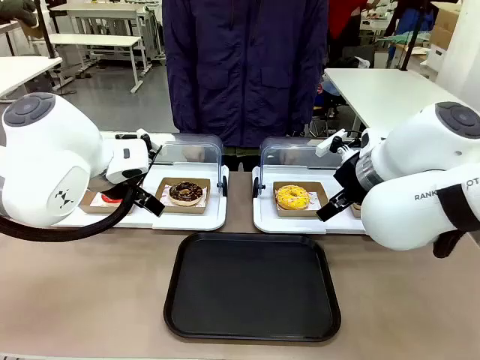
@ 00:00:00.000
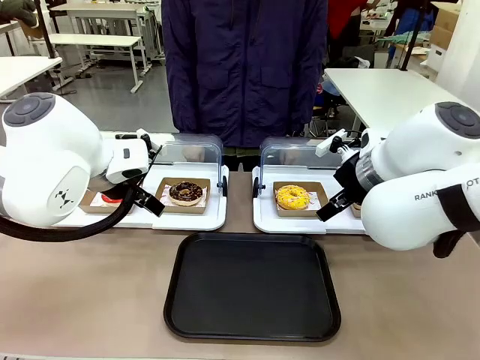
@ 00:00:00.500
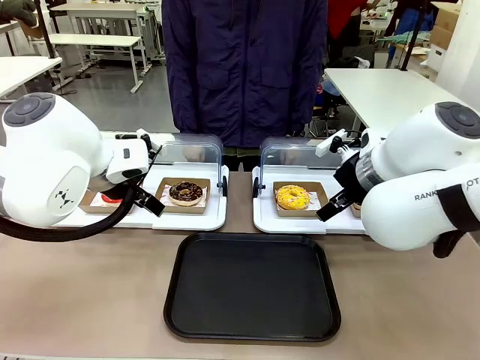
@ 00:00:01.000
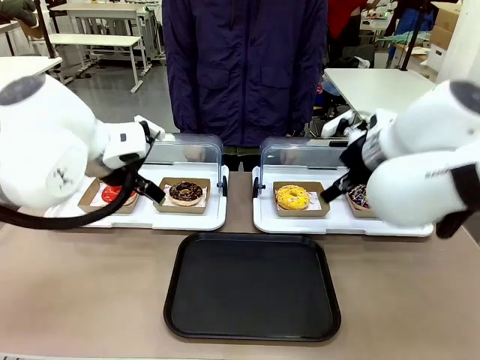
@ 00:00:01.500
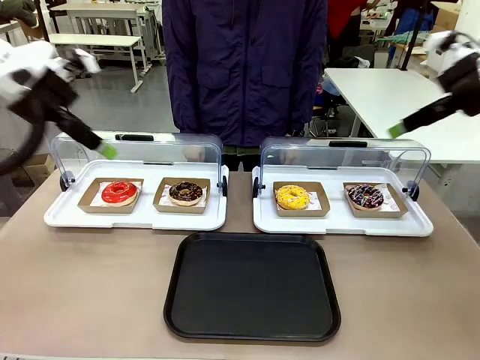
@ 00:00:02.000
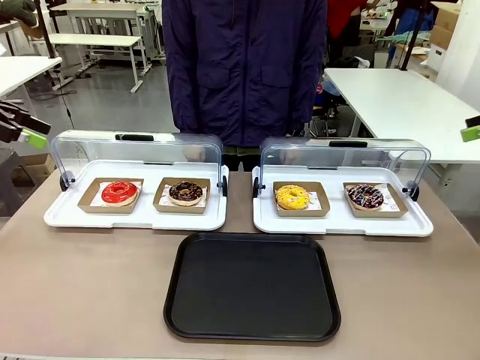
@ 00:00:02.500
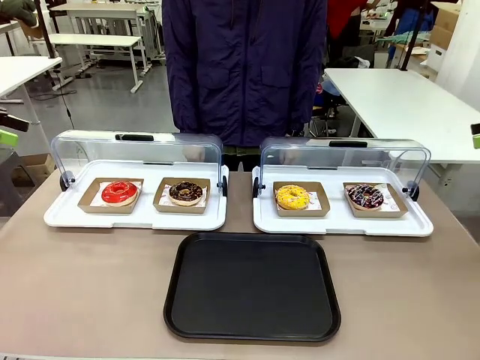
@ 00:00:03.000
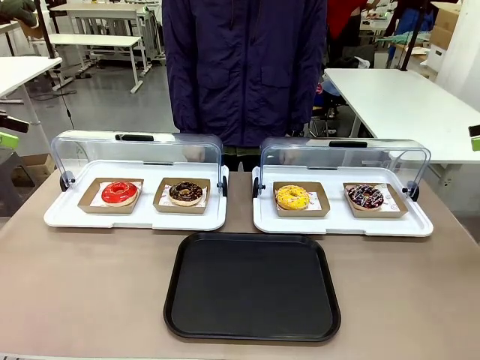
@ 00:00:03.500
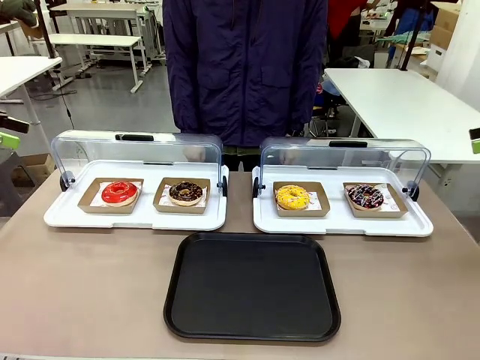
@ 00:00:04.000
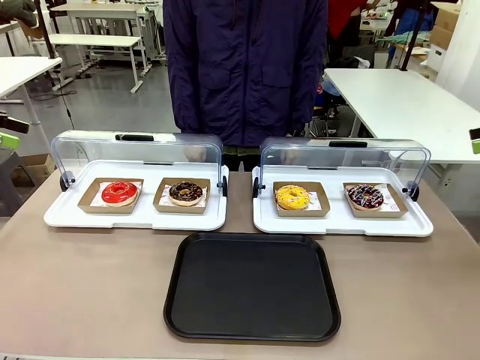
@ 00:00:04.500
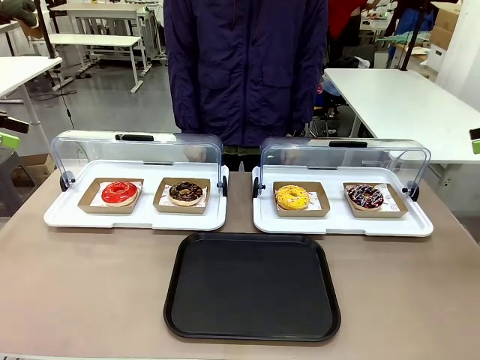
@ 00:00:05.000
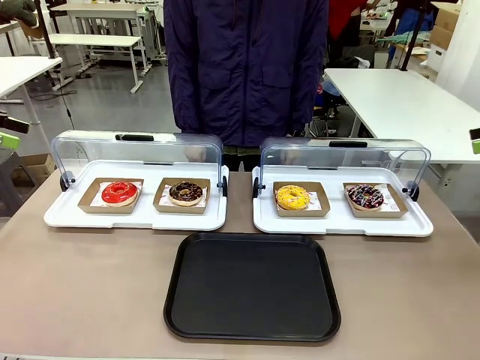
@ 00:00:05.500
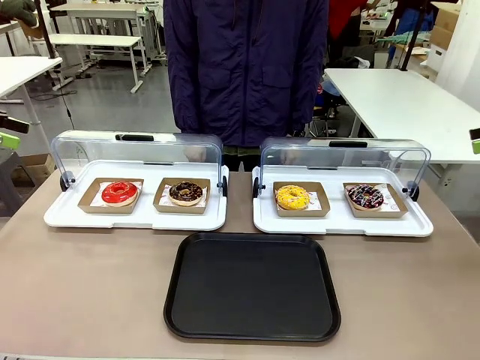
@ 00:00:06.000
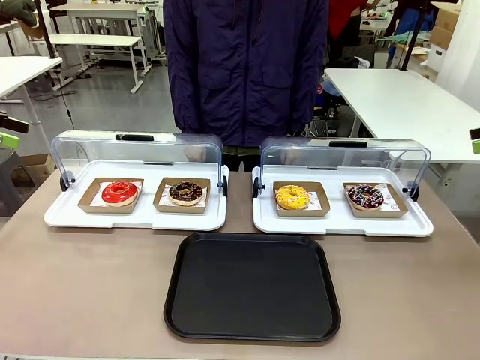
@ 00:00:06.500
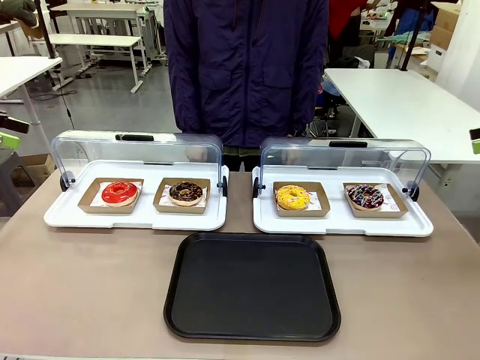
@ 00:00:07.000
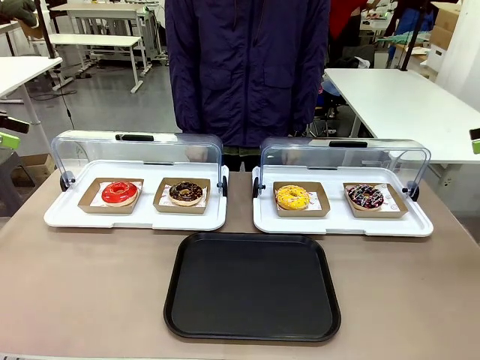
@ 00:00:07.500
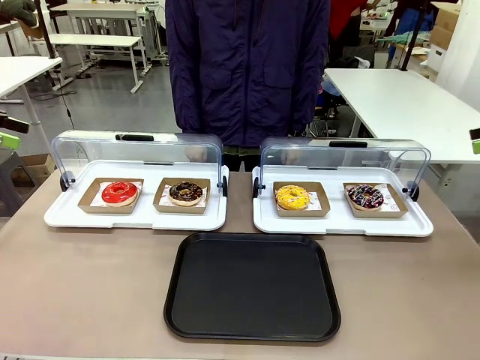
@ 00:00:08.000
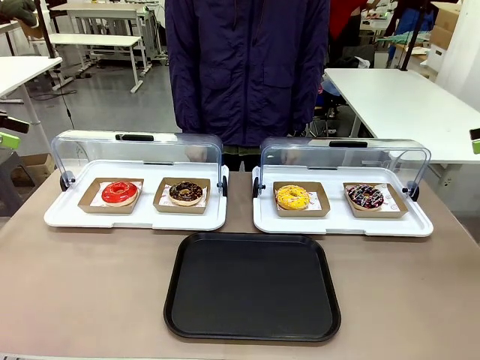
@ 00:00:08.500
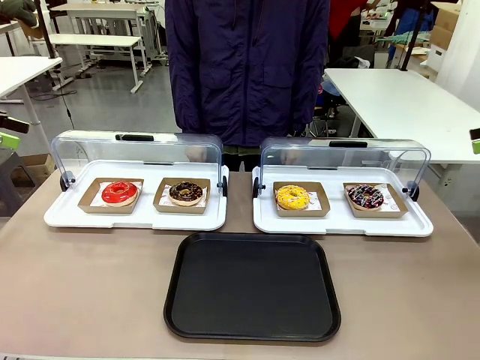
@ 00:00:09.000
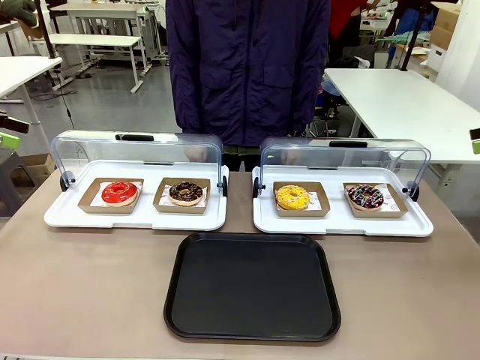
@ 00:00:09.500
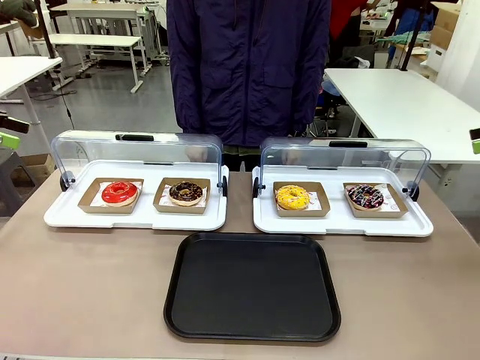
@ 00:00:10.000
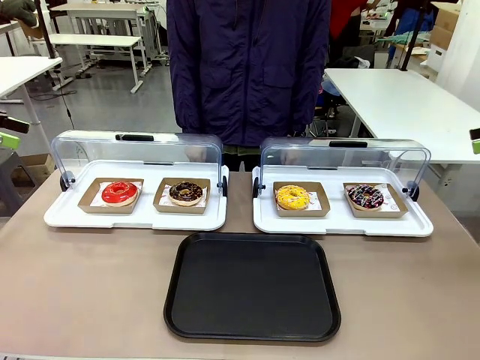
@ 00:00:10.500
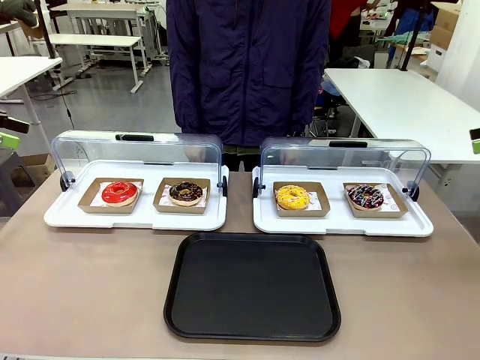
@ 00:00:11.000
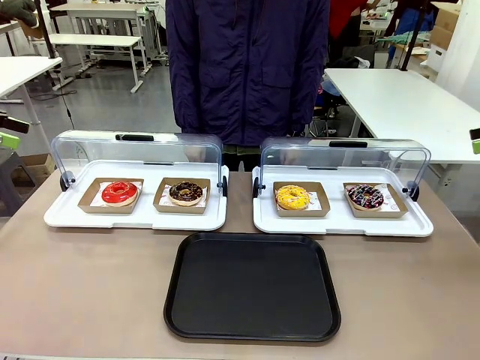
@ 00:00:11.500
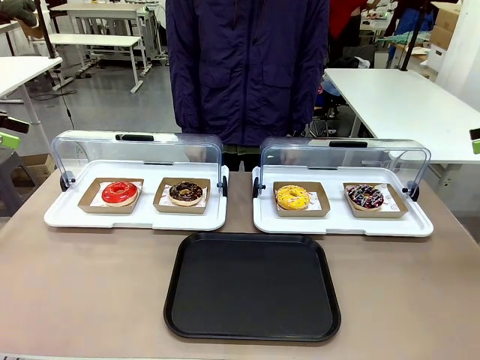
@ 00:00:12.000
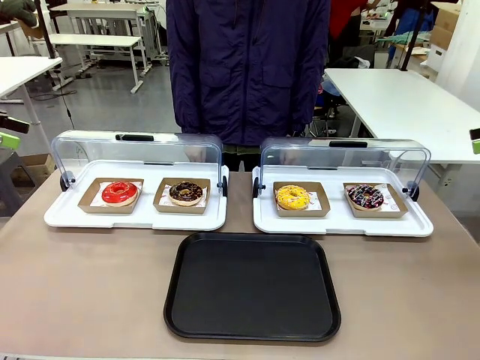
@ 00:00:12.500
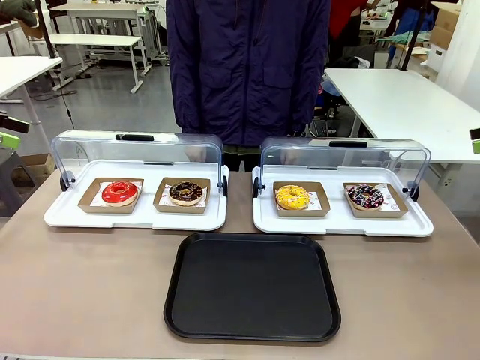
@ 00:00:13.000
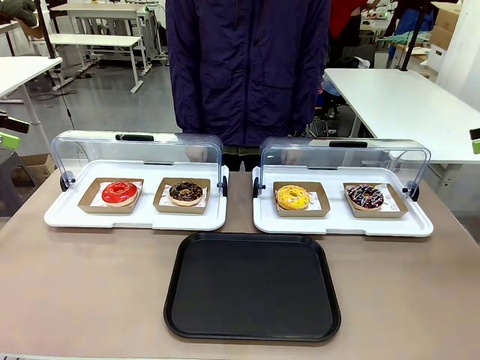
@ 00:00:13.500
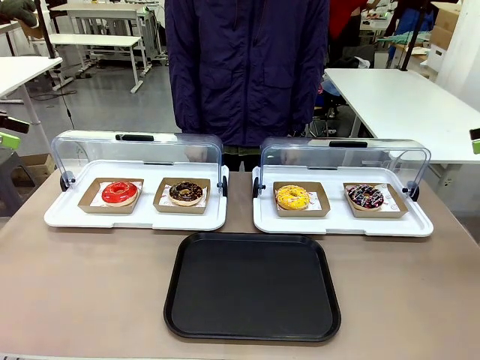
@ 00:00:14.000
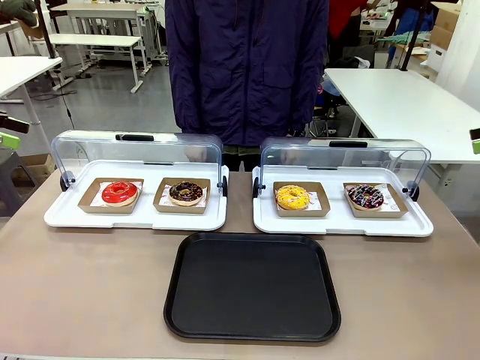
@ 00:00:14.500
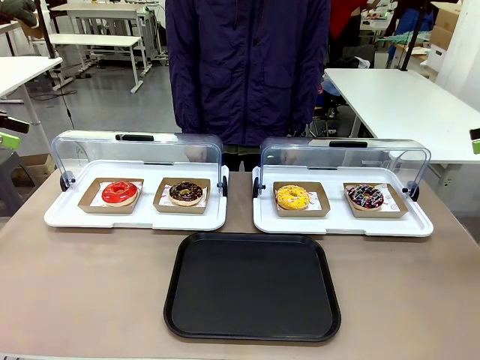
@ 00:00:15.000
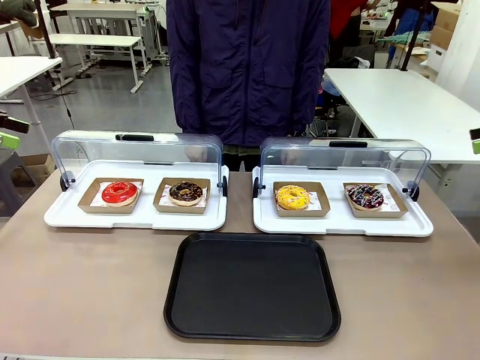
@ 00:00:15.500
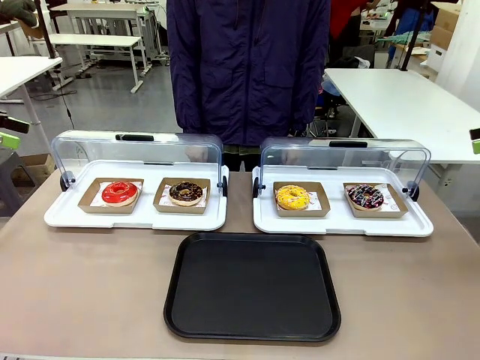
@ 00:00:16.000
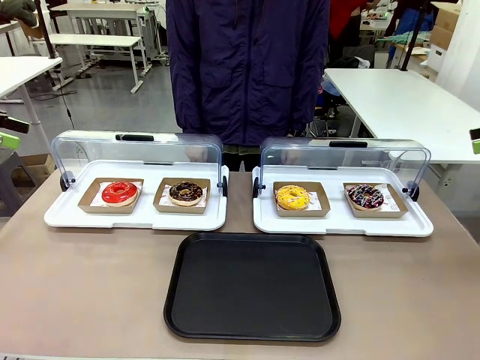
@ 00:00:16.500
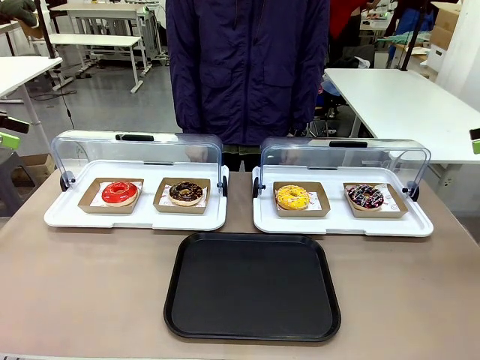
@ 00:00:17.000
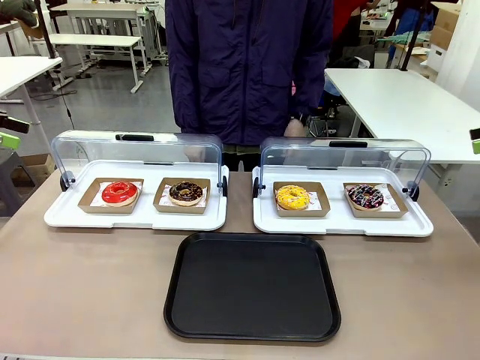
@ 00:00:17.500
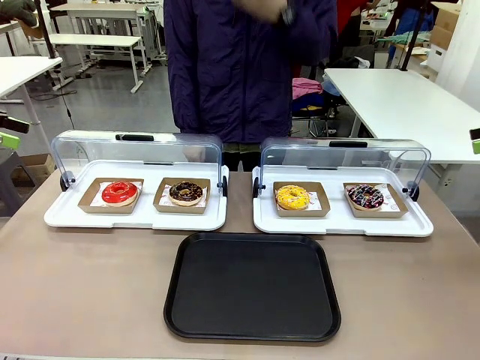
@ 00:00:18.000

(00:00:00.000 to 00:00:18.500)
Task: Move the second donut from the left to the tray.
Robot: Pick up the Paper togo box containing the Donut indicated by the person and place it on the Handle tray.
